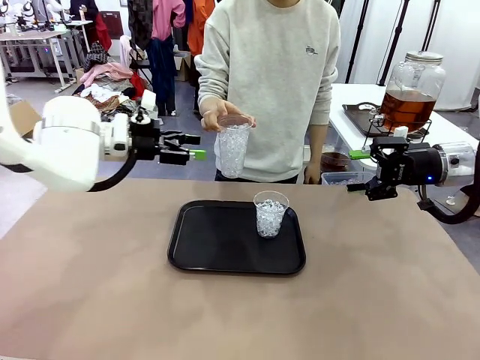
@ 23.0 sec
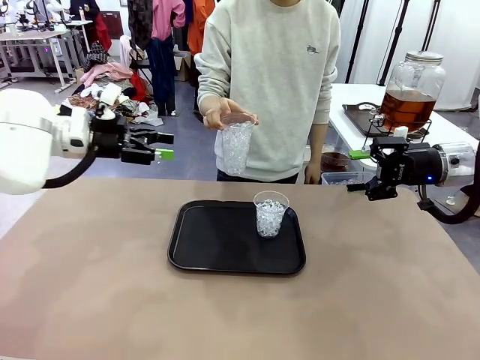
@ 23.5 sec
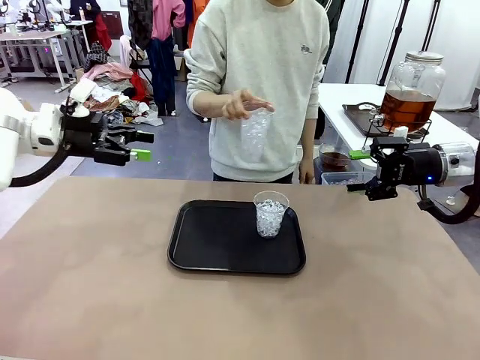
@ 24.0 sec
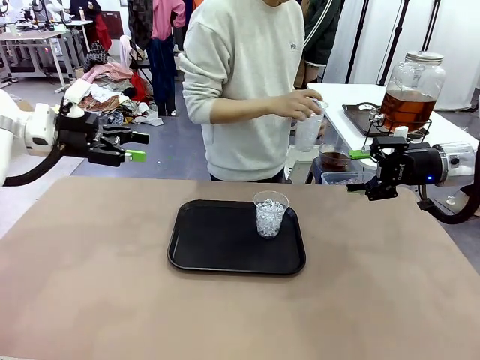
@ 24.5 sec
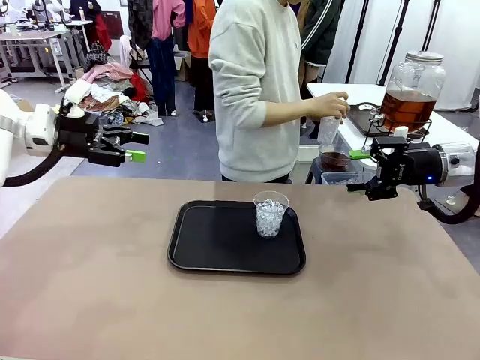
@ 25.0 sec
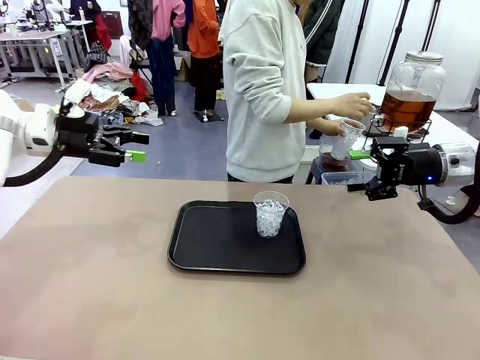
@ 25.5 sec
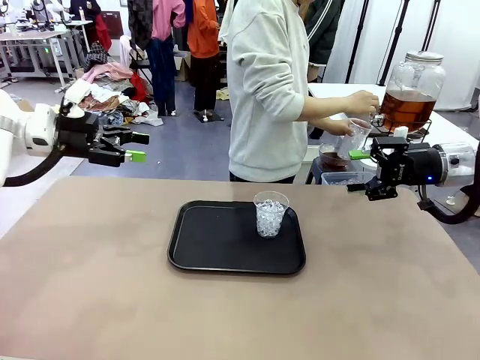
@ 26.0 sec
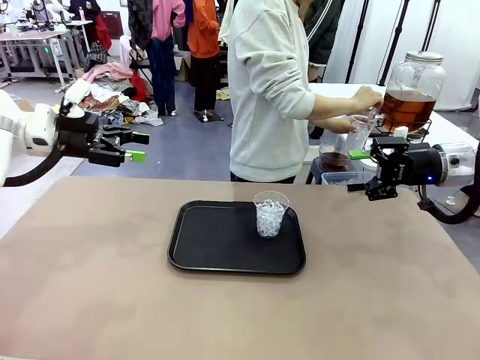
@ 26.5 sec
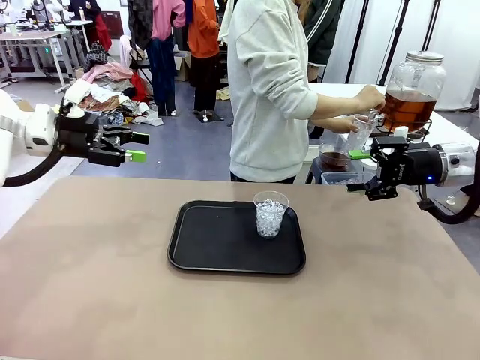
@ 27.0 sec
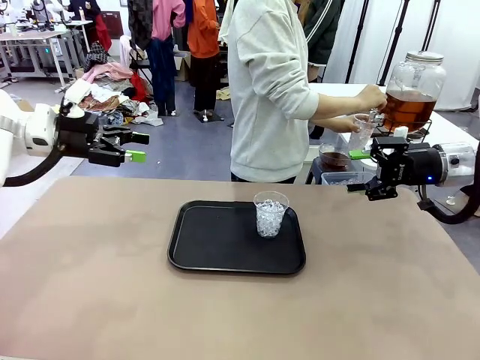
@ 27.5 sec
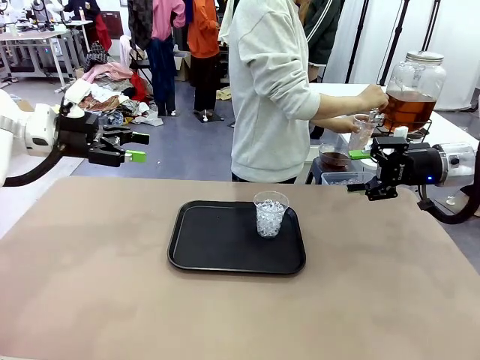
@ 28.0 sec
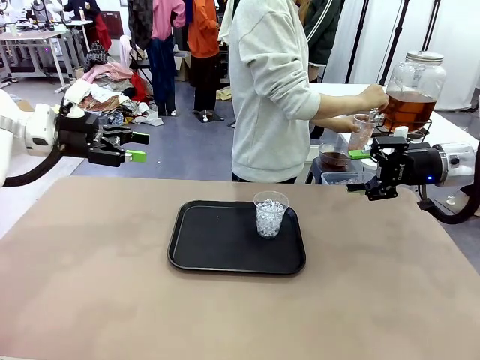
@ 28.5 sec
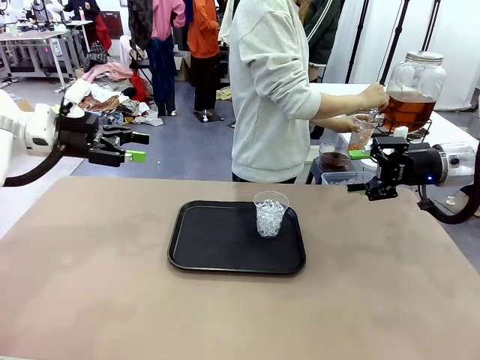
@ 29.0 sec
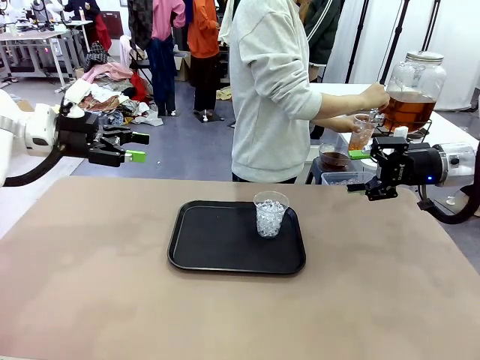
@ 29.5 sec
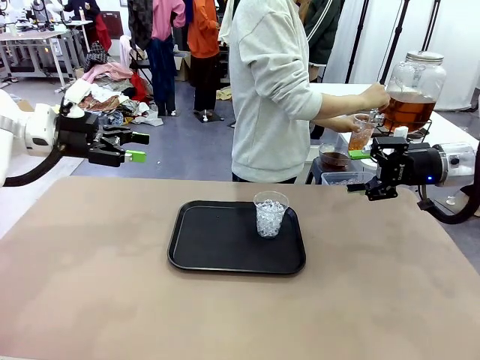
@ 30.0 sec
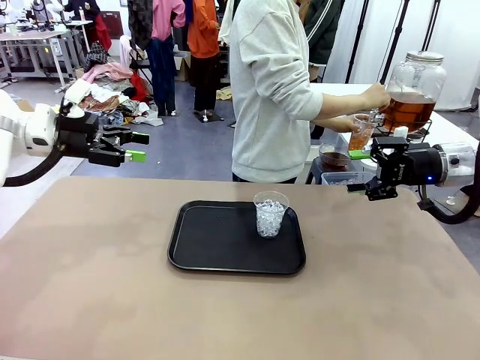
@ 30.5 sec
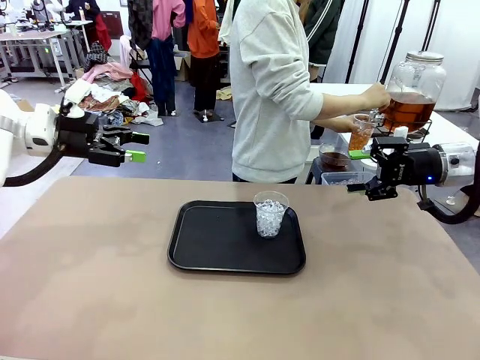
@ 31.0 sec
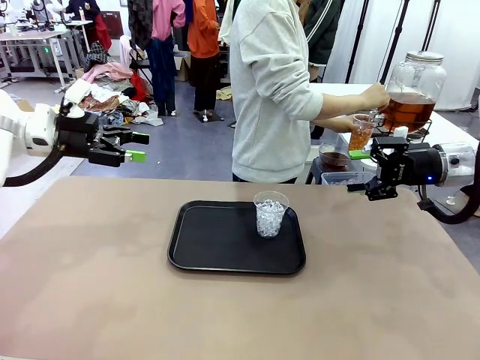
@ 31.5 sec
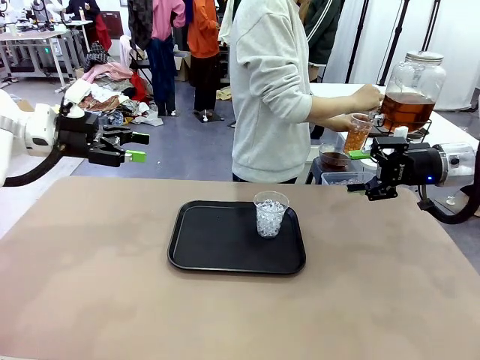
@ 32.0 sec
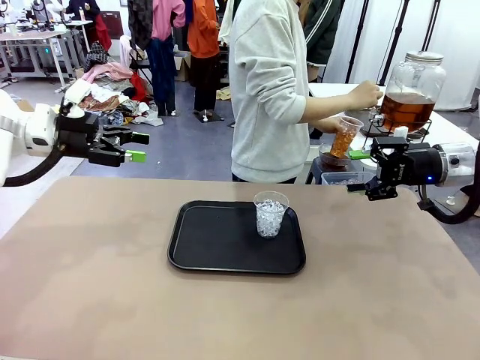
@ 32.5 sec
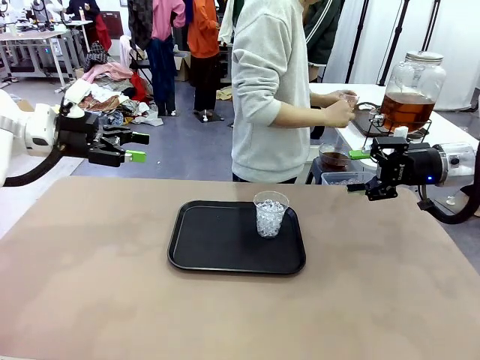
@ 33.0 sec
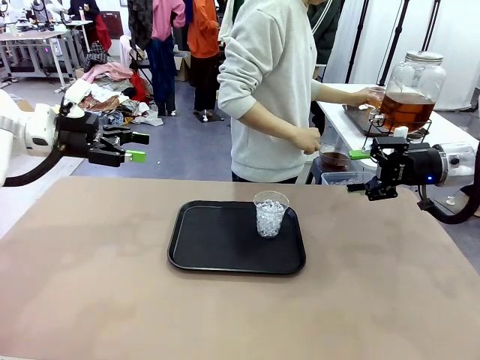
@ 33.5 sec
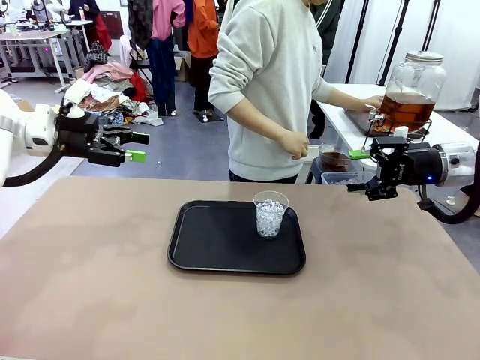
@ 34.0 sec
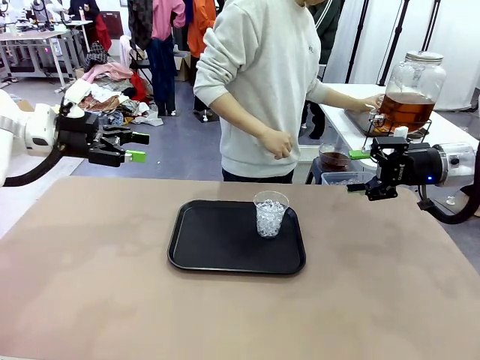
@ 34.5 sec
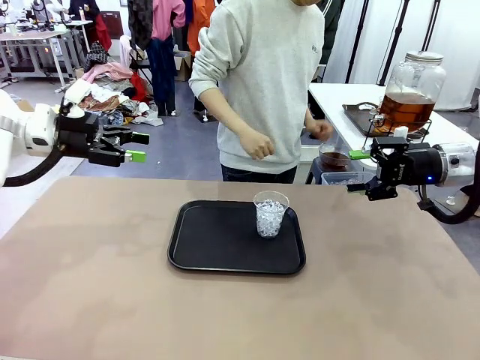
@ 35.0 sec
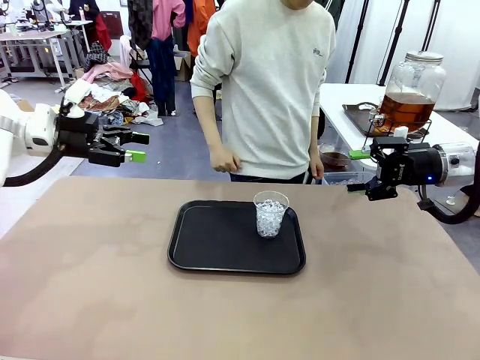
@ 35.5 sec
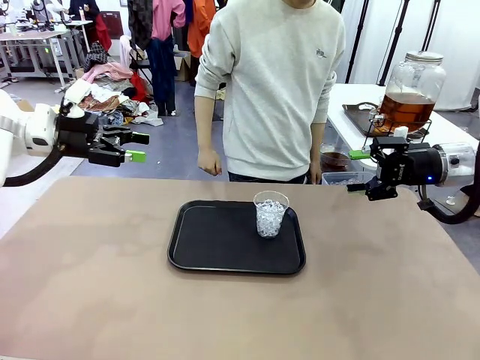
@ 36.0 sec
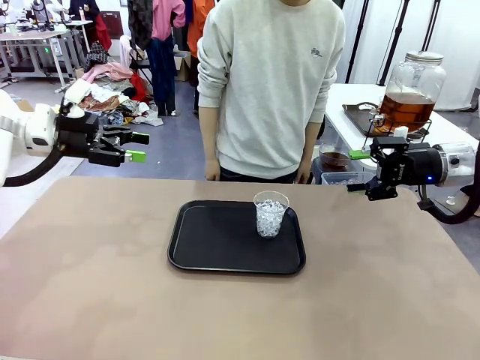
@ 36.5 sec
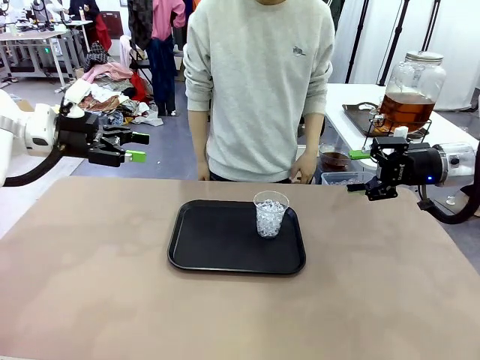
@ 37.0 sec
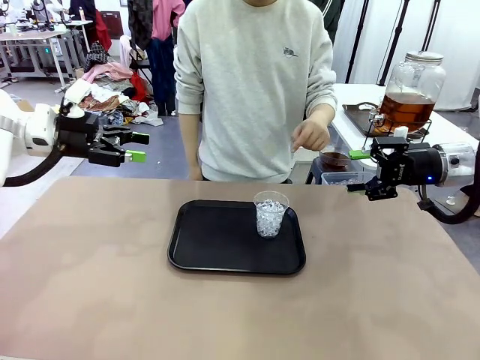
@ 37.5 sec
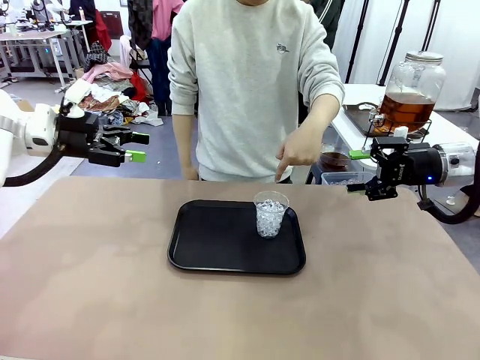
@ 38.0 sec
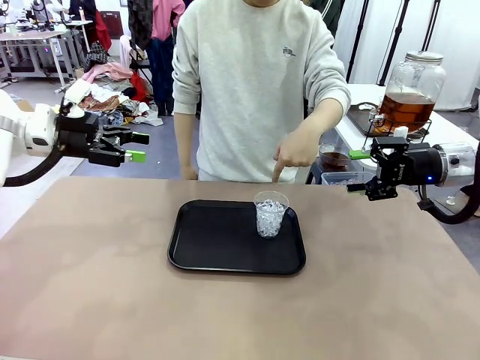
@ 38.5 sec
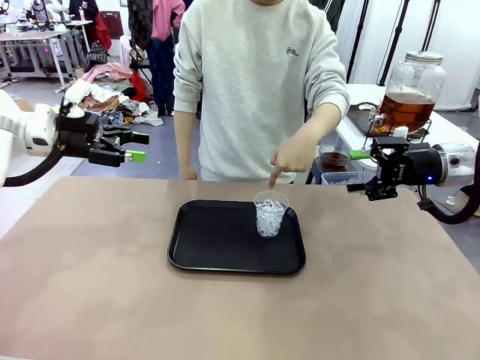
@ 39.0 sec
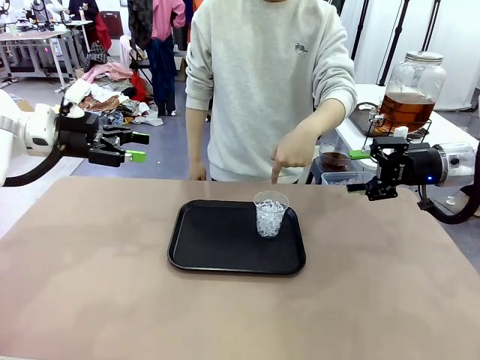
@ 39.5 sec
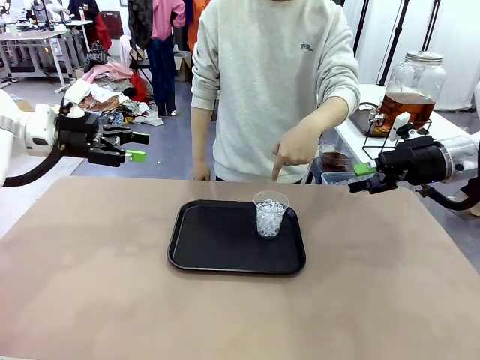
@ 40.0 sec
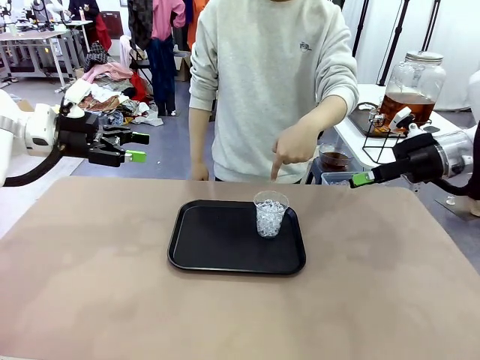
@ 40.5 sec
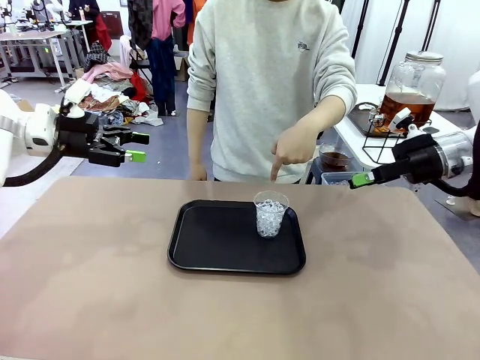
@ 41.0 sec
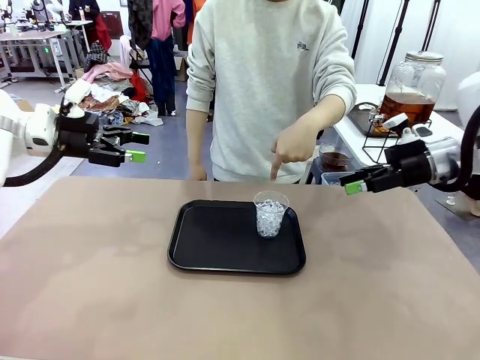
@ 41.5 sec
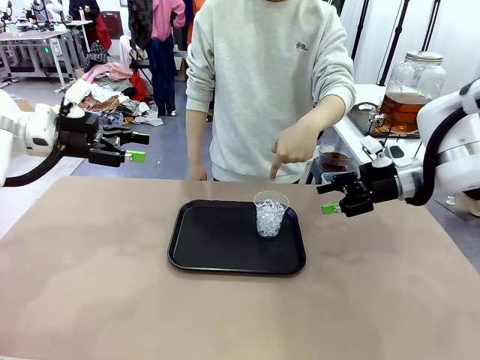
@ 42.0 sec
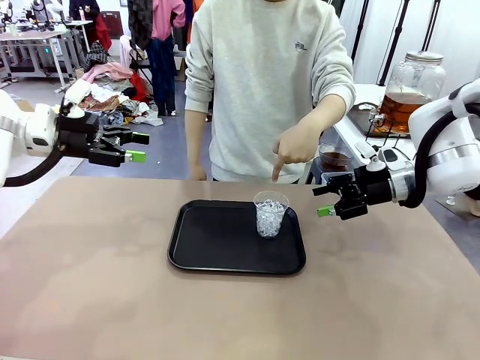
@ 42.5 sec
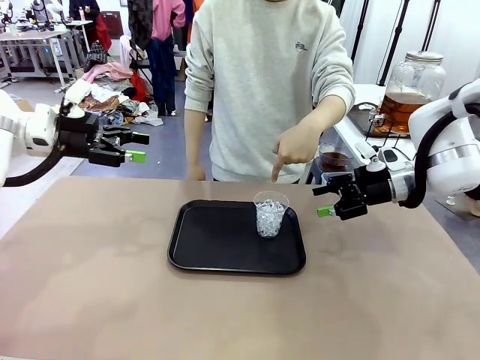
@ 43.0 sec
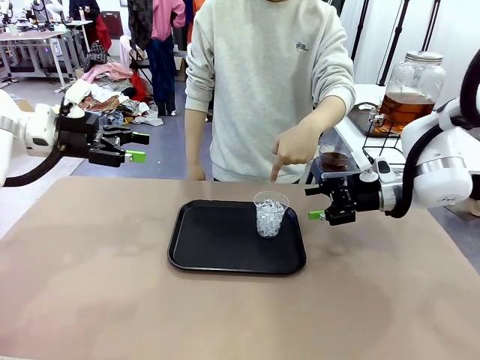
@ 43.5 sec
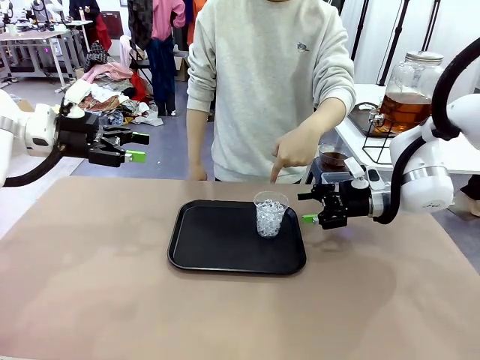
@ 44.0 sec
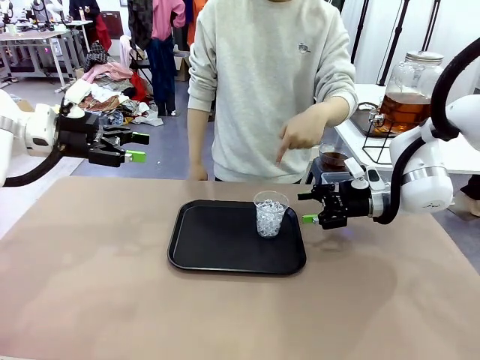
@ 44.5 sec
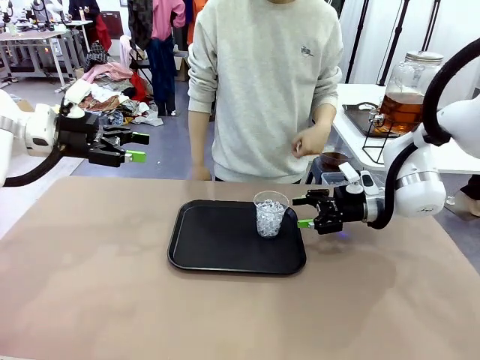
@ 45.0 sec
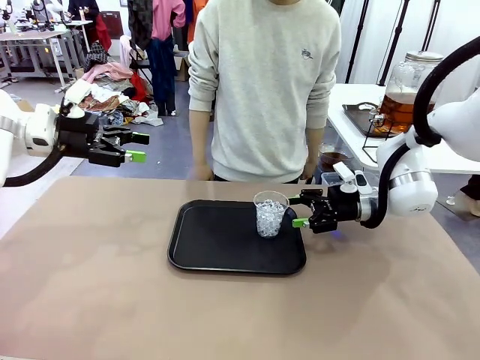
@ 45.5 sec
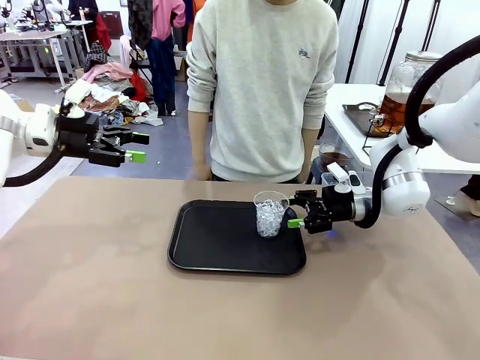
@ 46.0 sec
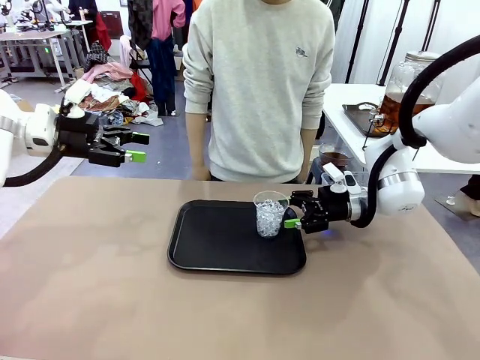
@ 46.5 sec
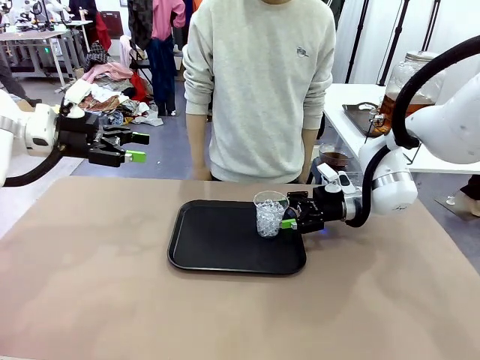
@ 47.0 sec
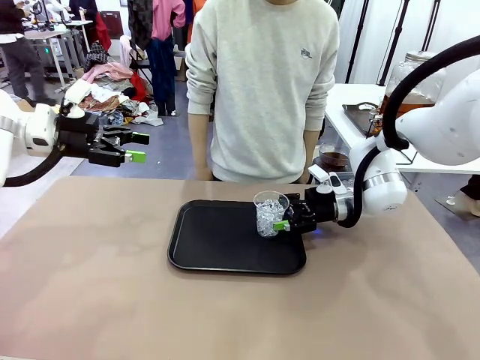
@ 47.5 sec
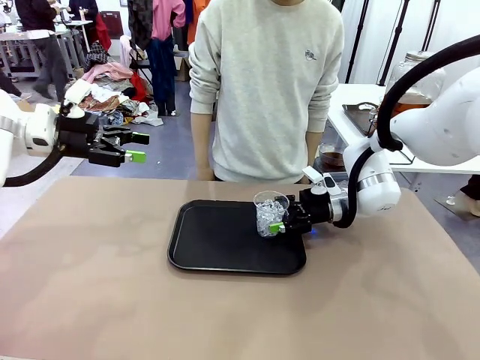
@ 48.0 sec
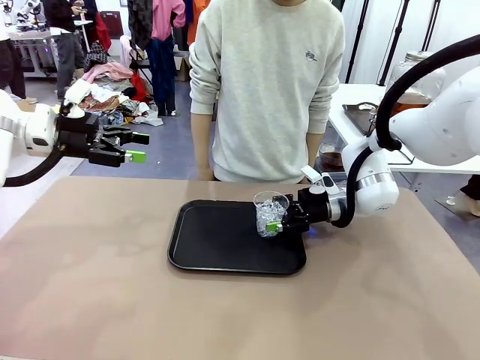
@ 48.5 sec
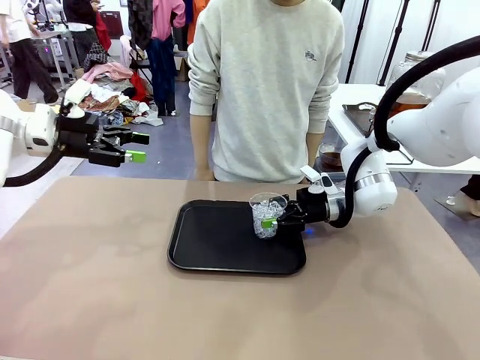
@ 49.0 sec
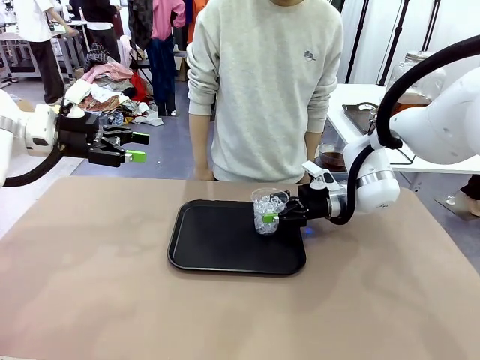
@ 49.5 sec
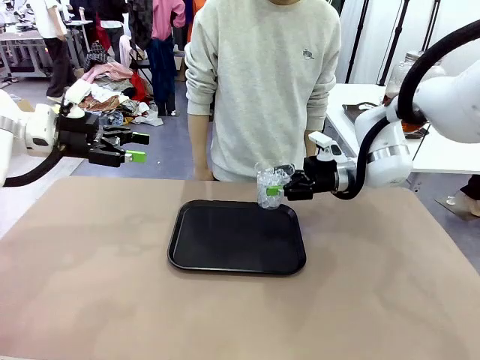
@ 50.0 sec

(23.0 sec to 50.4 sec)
Task: Pour the drink into the iced cup.
Robot: Pick up the iced cup indicated by the human and present it to them.
Person: Move the picked-up cup under the dispenser faucet, pour the drink, and place it on the tray on the human table. Point to the remaining ice cup on the robot table. Pick up the cup offered by the robot.
